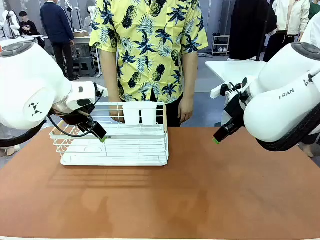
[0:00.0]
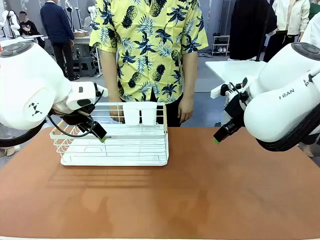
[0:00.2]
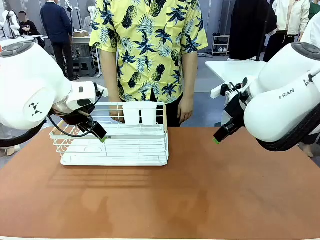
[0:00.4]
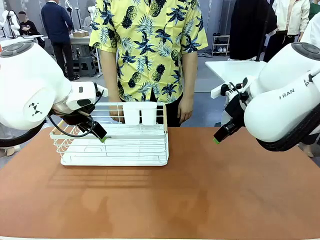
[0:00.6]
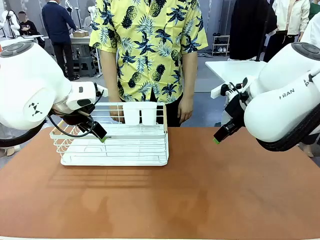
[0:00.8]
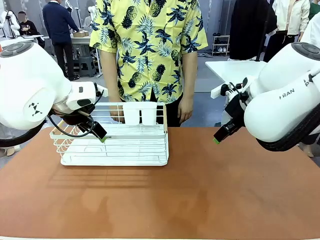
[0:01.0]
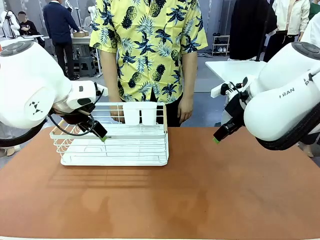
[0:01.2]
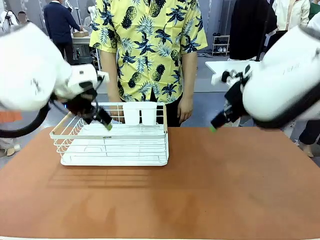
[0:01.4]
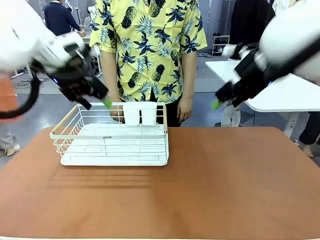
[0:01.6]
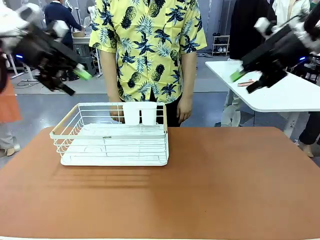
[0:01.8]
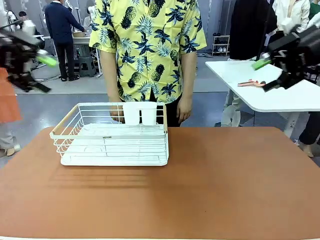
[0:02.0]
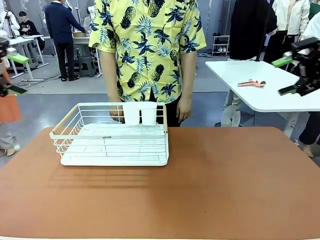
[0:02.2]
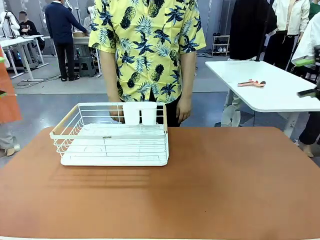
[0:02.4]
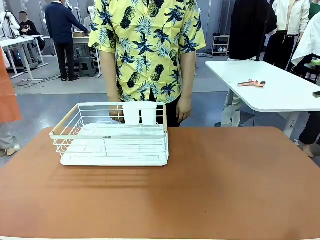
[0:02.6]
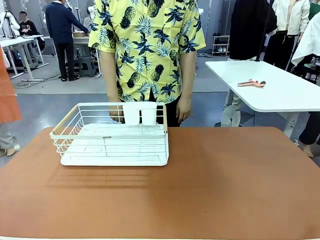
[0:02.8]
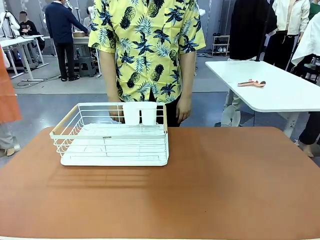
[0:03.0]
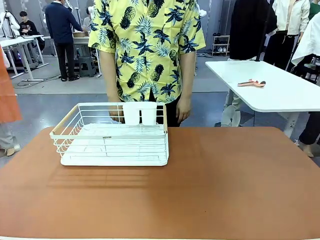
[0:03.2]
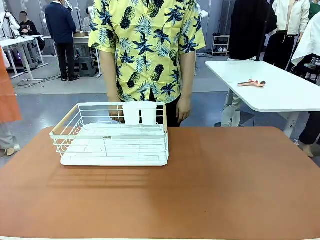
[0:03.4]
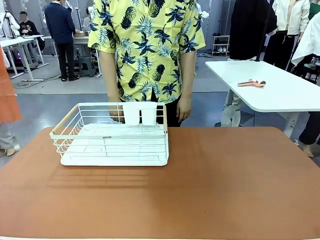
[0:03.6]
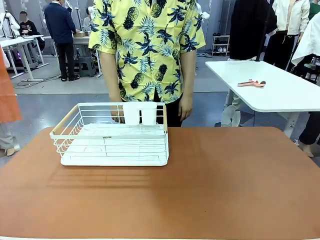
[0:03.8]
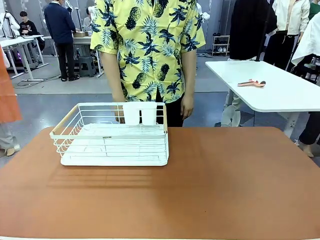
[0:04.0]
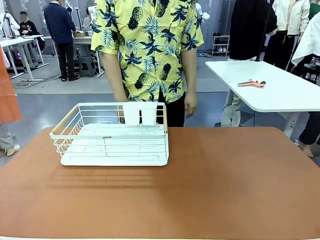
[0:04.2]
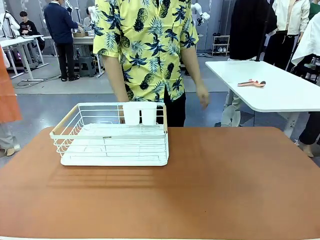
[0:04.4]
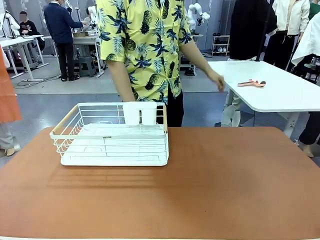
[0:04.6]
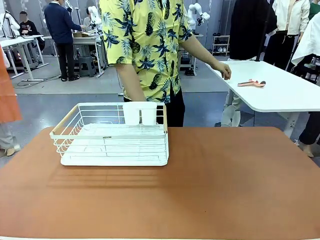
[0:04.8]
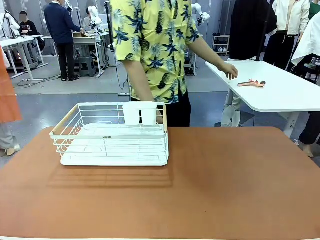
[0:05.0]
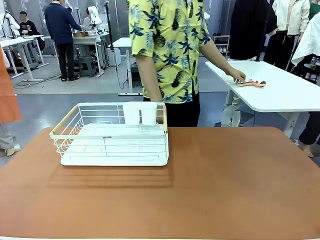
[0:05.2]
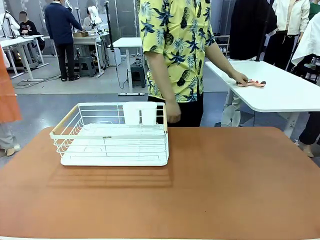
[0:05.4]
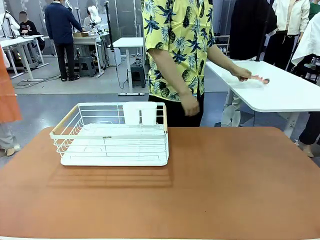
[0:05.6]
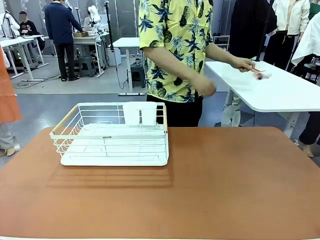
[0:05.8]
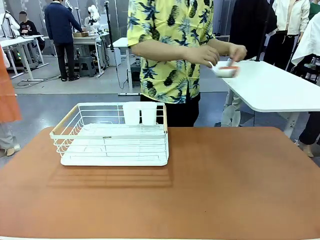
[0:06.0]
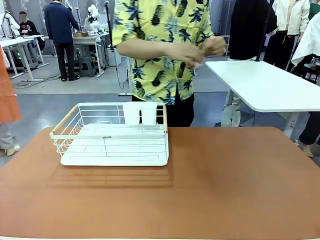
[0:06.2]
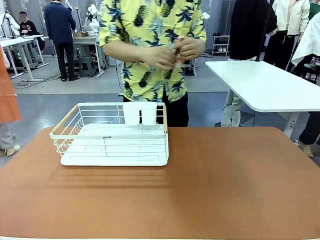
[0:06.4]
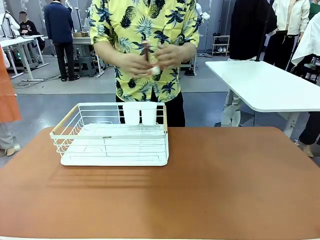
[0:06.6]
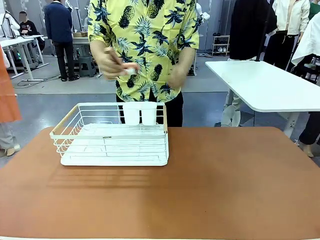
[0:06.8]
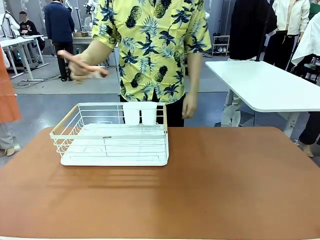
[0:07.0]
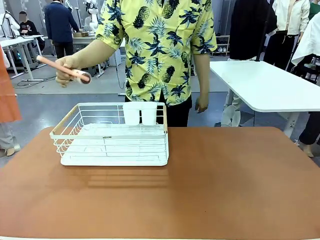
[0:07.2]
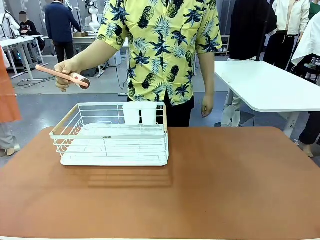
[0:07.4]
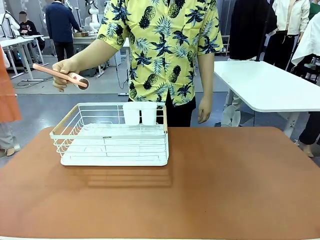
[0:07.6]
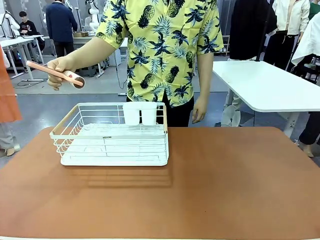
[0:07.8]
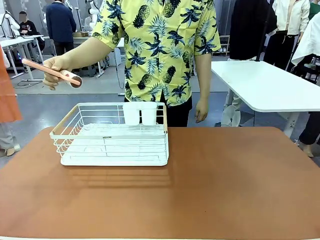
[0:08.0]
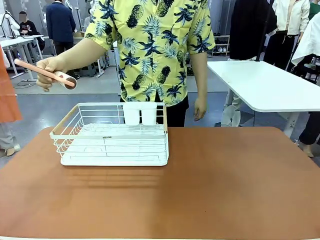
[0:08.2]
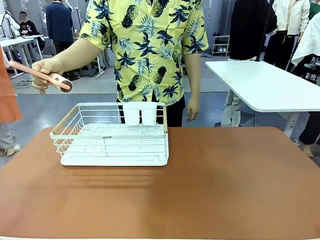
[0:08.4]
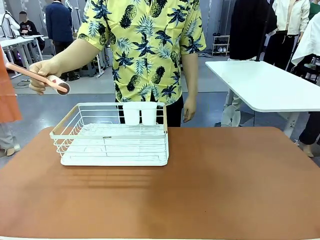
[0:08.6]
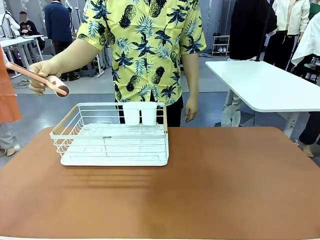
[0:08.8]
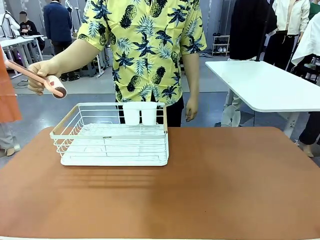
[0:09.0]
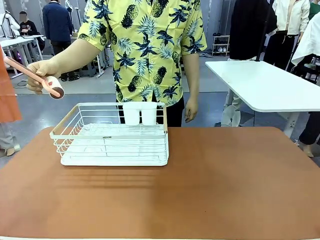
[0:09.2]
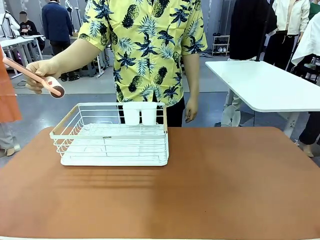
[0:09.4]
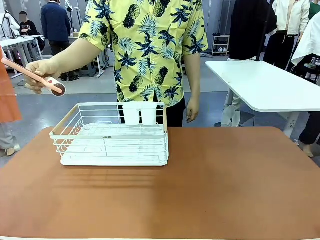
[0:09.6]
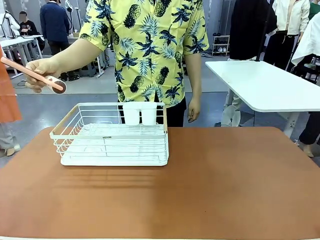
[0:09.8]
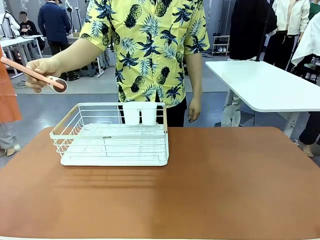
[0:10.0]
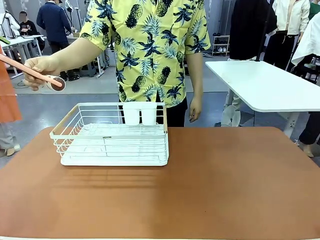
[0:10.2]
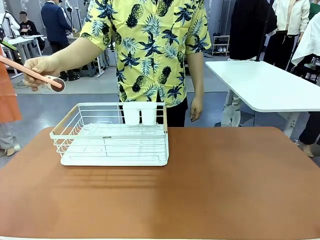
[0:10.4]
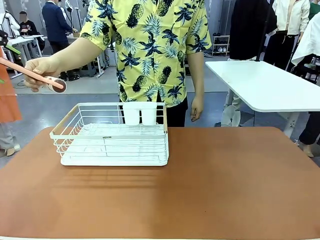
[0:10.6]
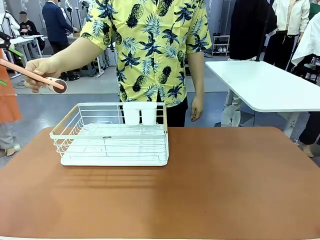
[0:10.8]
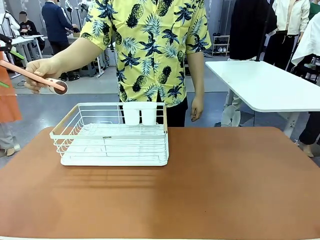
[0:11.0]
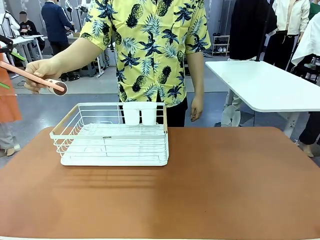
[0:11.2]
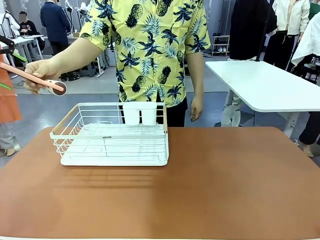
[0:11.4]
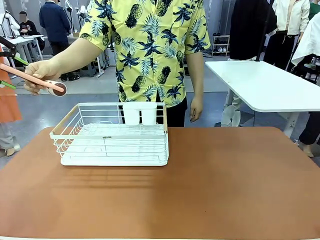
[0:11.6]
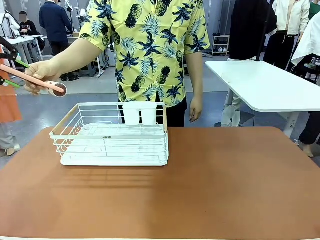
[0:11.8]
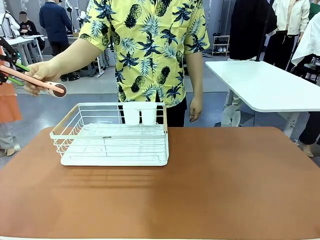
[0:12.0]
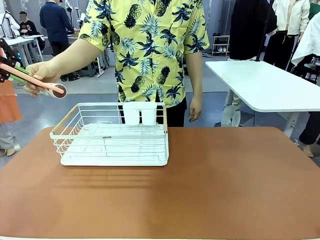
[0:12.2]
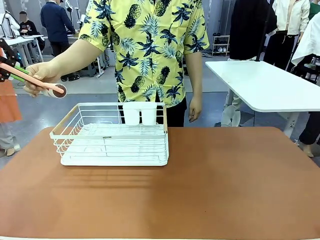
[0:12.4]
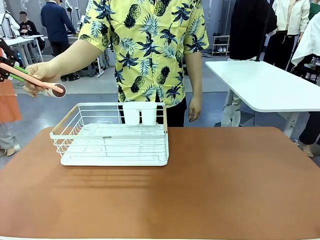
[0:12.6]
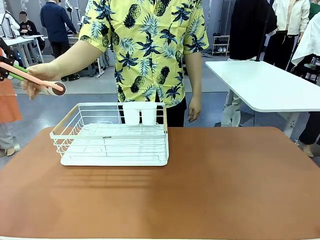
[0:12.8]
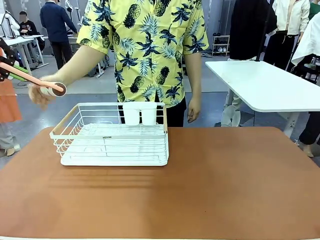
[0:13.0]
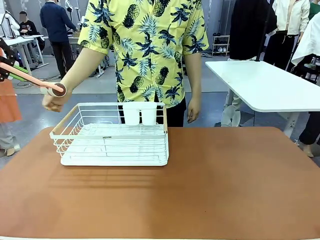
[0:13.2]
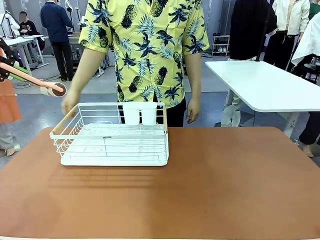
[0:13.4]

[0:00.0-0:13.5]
Task: Clean the table.
Robot: Pick up the Lint Roller when the human hands it over.
Person: Hand the Lint Roller to the robot so it can easily pick it up. Lift the Dish drying rack.
